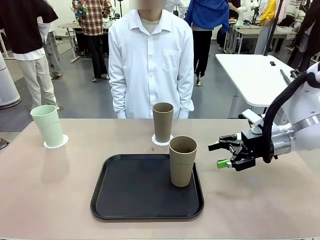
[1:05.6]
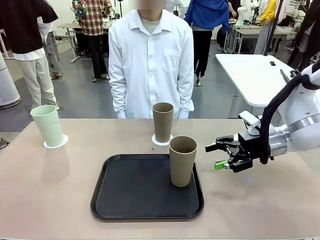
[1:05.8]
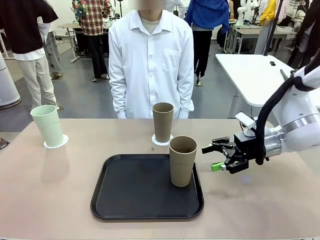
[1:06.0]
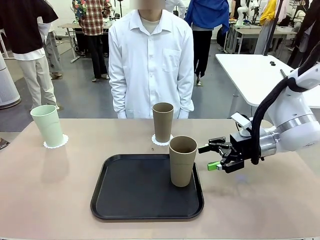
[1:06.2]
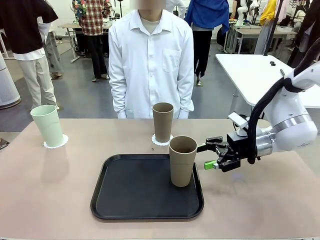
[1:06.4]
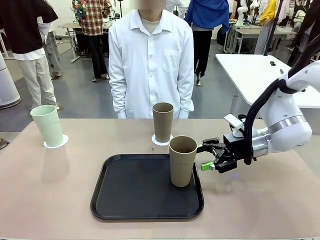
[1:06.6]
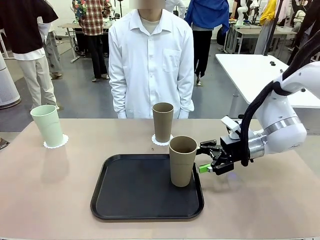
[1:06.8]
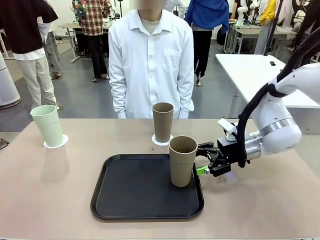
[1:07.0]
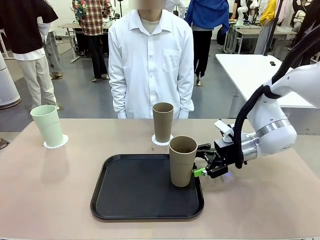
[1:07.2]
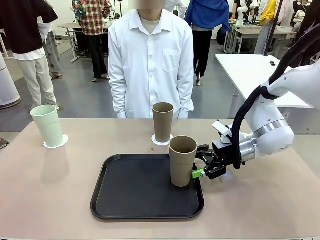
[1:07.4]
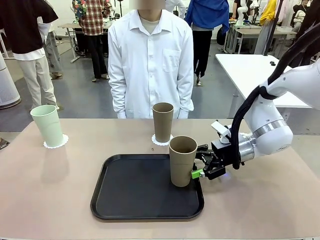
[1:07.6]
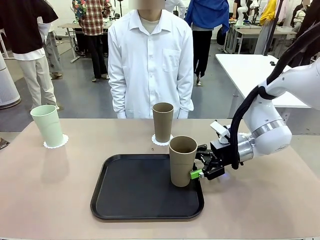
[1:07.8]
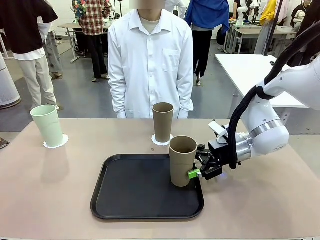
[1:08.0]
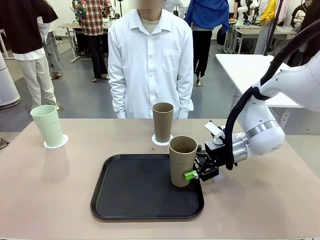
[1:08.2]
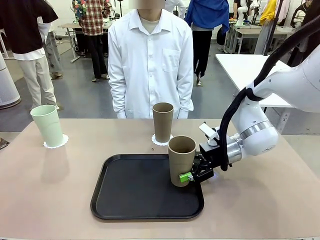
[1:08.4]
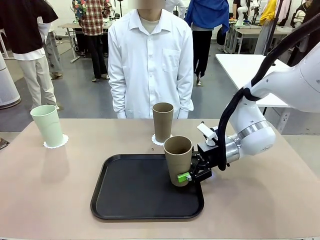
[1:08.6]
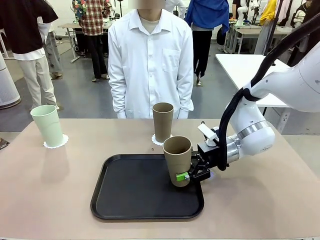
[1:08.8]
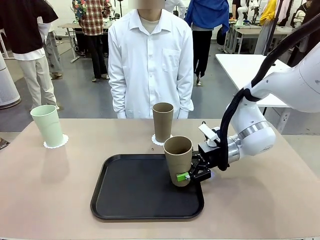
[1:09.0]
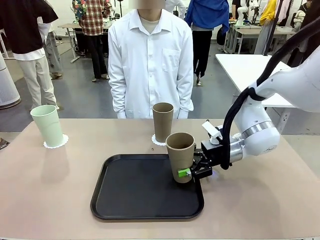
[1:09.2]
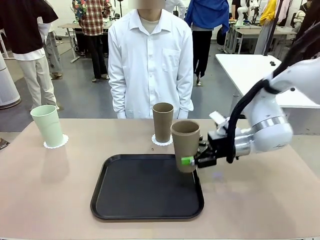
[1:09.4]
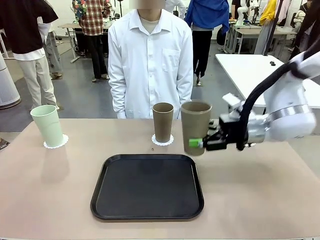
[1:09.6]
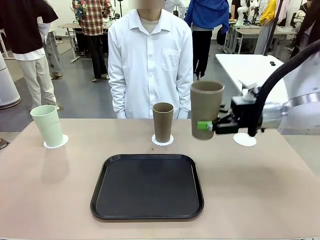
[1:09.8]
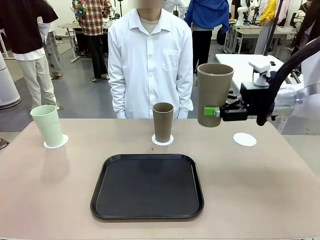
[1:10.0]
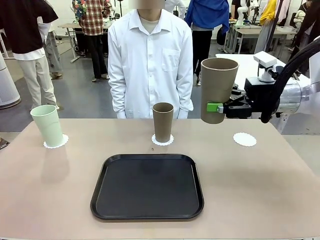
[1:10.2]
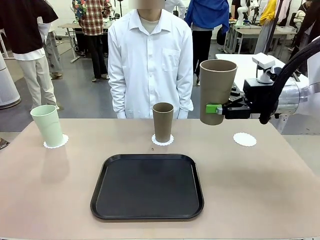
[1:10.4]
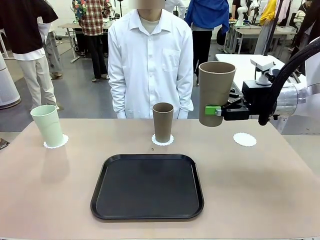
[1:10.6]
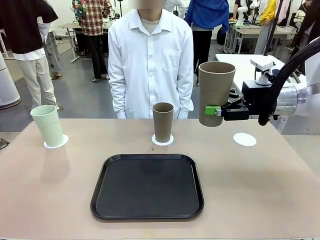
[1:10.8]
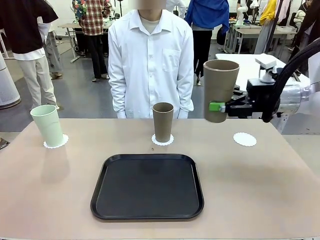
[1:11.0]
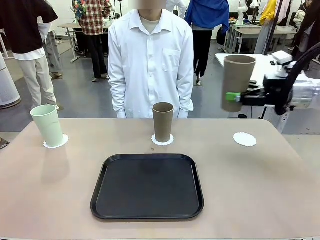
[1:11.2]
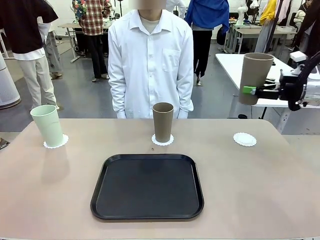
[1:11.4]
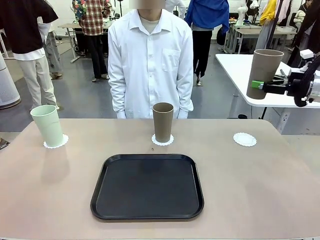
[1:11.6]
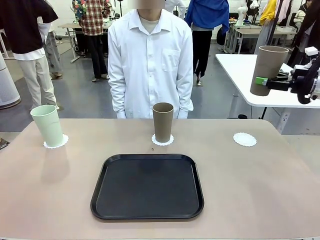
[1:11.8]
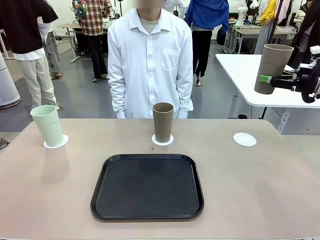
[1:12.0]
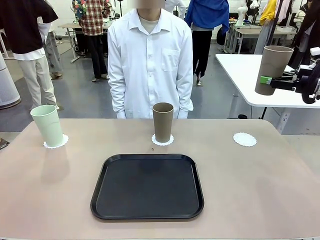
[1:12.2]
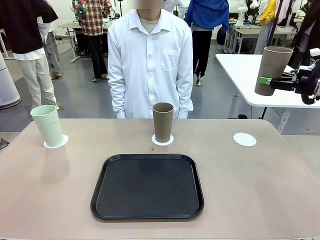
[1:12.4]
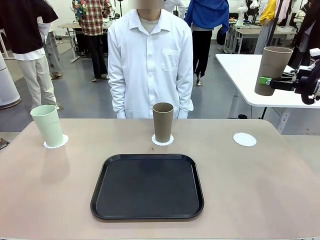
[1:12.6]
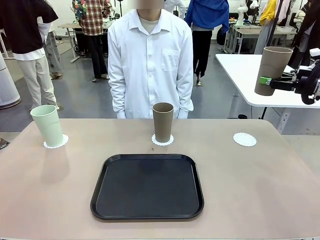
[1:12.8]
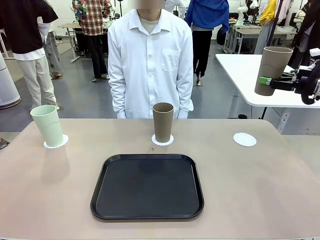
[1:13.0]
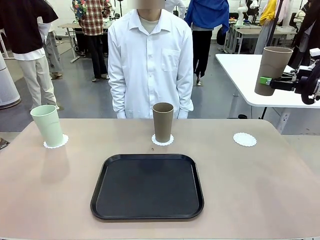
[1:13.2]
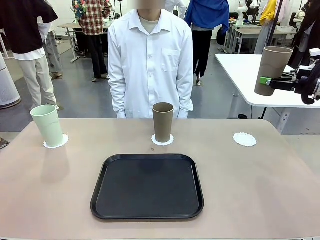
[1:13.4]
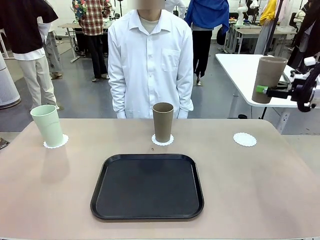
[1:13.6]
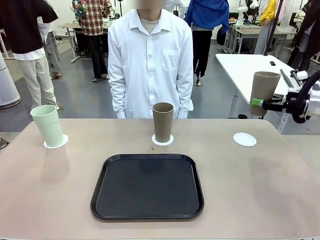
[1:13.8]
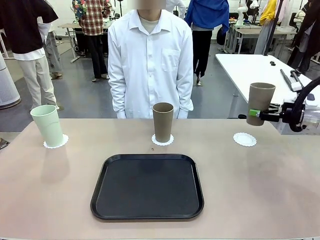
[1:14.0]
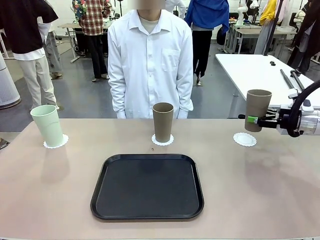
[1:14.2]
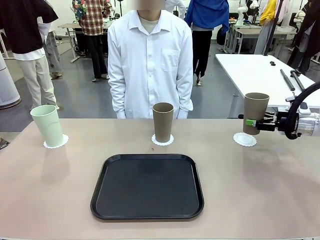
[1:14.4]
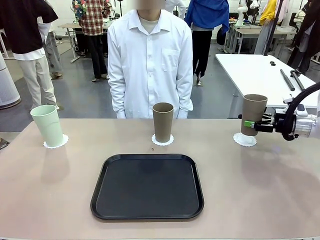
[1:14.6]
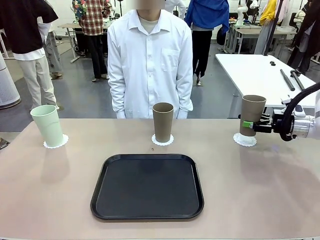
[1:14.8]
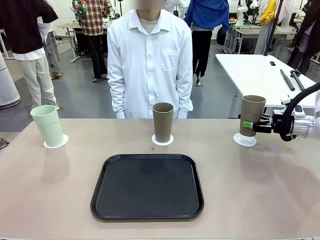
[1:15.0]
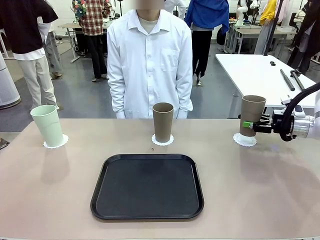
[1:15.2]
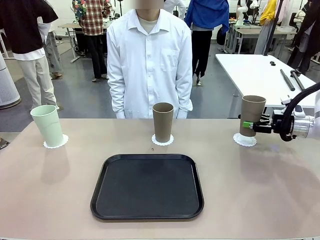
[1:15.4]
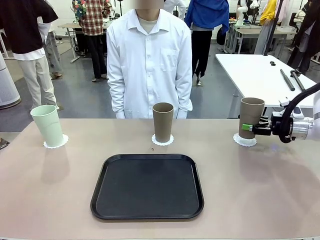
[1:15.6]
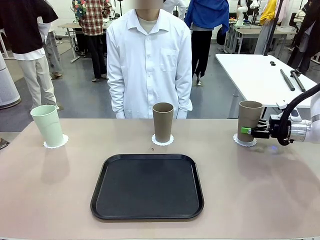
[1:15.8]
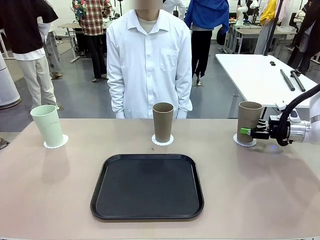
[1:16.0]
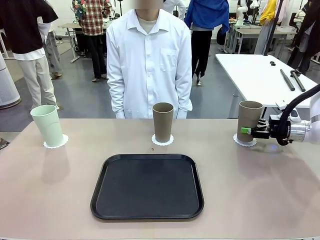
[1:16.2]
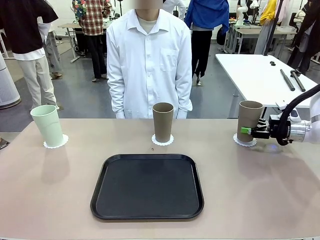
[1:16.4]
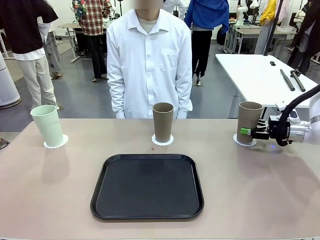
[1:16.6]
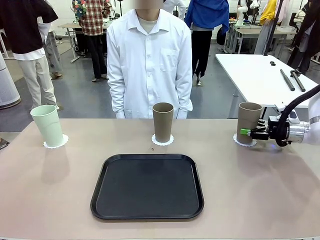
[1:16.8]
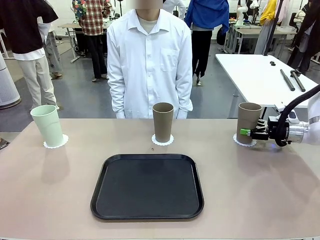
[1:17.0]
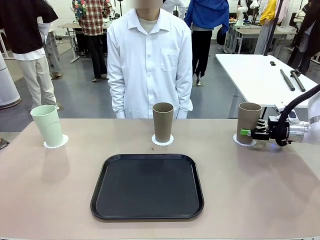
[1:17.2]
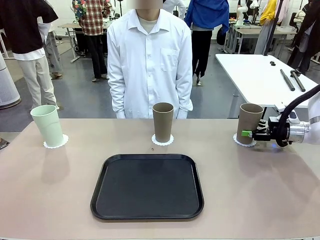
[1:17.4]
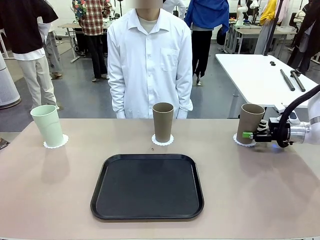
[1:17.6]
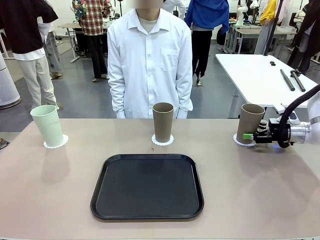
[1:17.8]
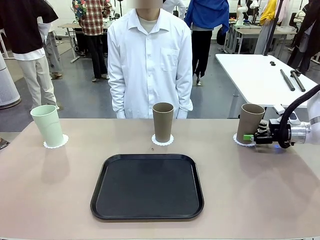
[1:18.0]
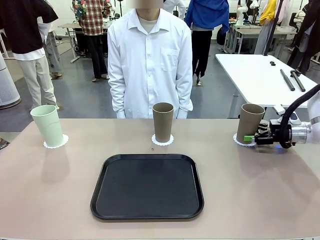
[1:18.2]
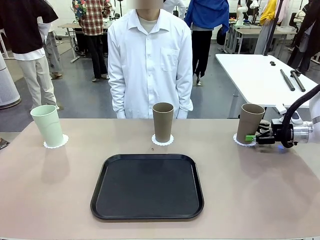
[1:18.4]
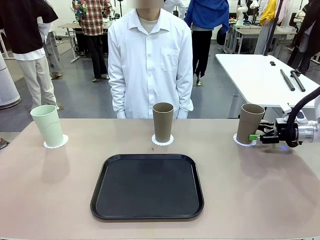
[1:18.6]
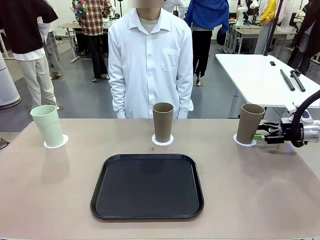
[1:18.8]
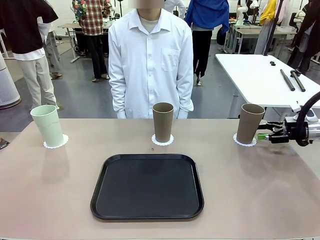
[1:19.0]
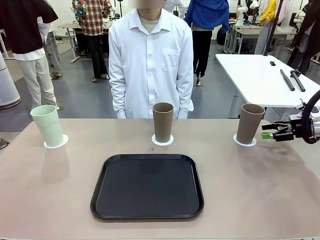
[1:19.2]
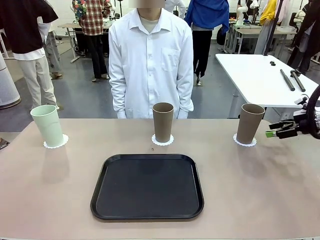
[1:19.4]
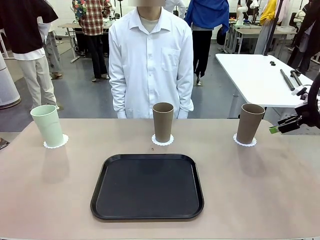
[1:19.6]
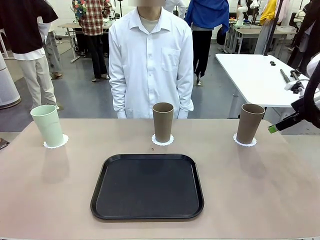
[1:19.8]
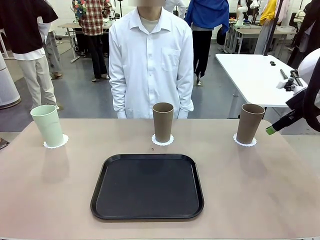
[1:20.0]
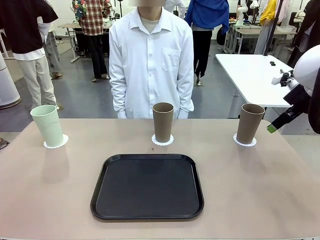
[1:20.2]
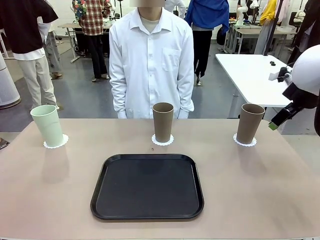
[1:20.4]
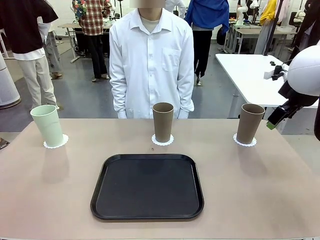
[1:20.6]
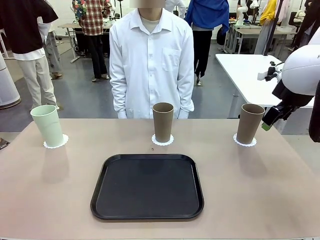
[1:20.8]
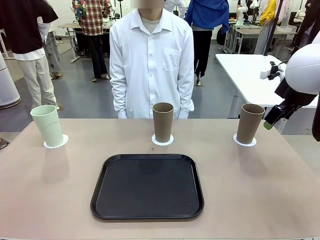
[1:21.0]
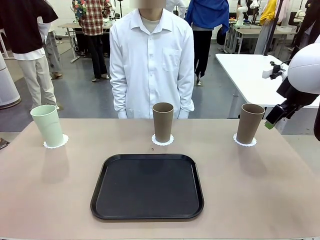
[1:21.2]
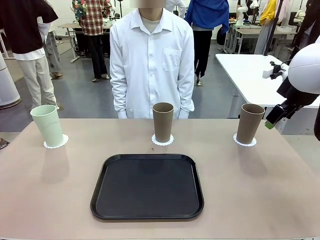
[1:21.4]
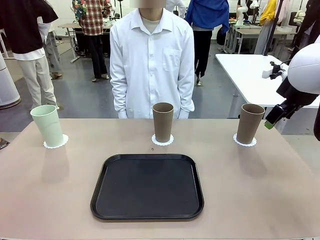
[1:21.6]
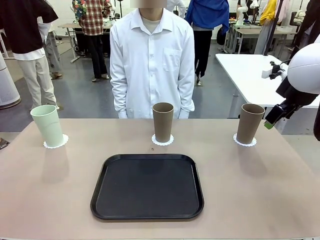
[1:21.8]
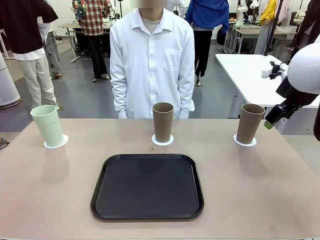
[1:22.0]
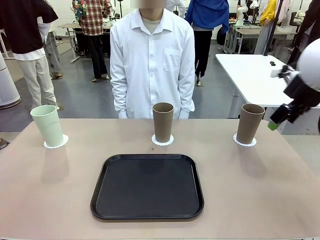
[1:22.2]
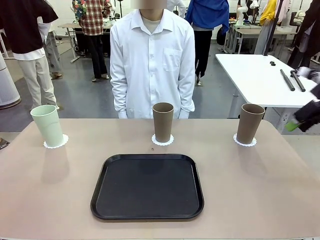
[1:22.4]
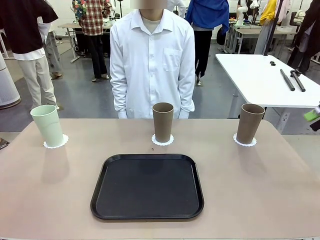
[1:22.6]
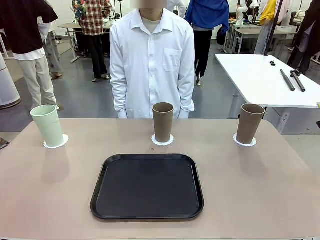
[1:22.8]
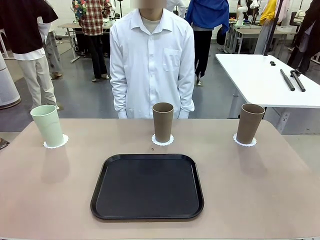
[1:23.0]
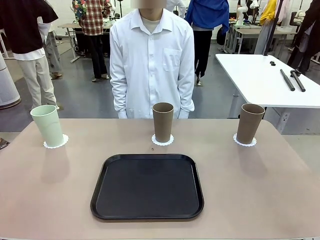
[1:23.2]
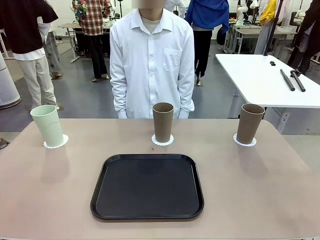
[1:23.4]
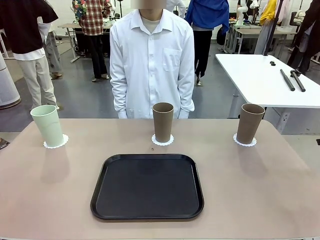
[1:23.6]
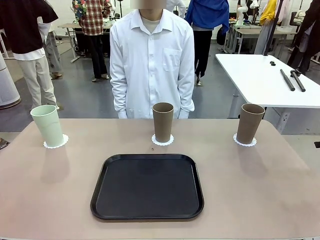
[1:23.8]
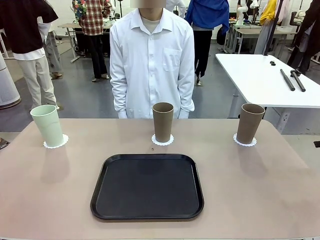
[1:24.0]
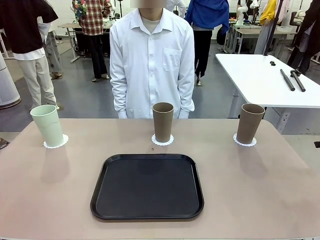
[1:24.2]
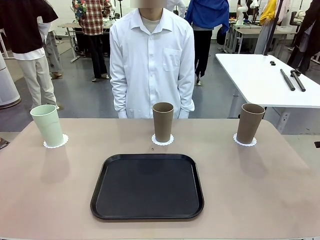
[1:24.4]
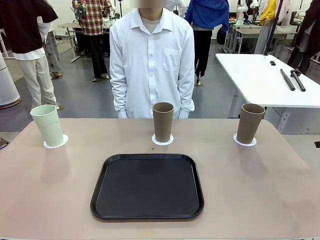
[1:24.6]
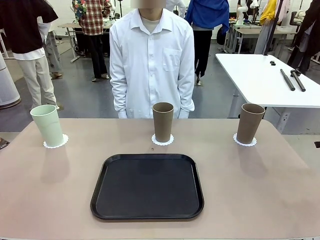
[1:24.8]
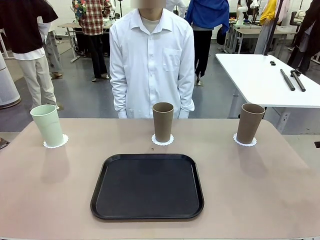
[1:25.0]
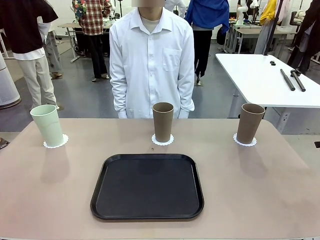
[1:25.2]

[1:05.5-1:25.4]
Task: Place coasters on the table and set cups on them.
Robot: Take one Reusable plastic cup from the Flat Tray and place it on a coaster set by the human.
